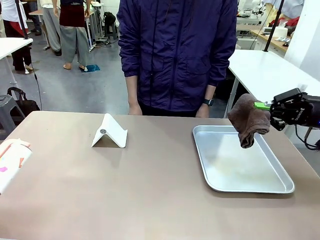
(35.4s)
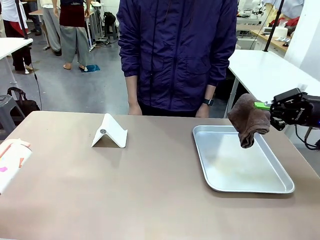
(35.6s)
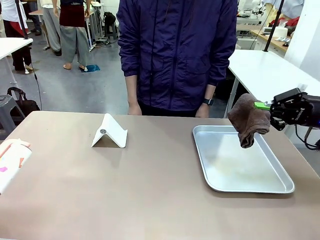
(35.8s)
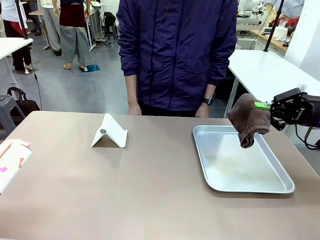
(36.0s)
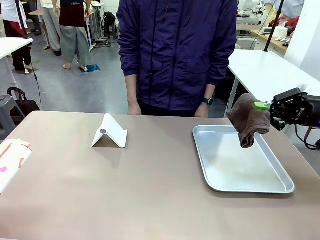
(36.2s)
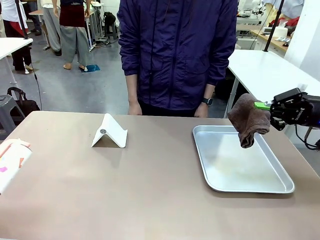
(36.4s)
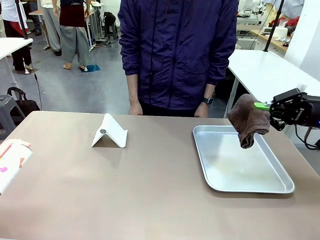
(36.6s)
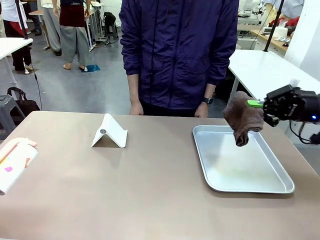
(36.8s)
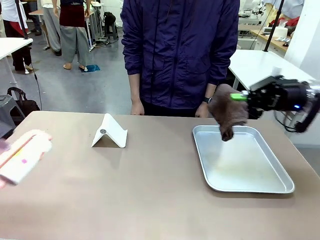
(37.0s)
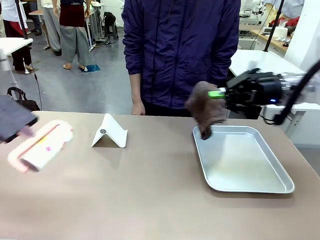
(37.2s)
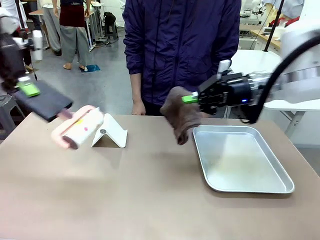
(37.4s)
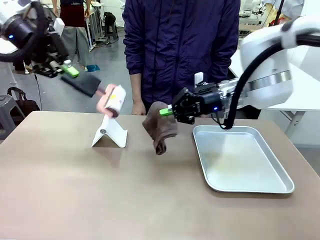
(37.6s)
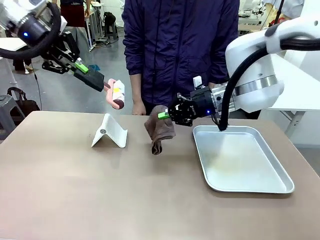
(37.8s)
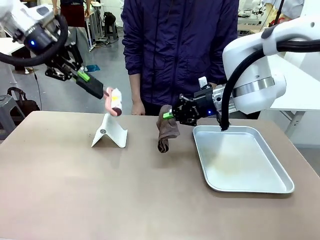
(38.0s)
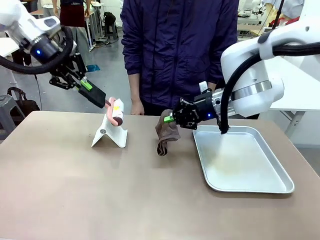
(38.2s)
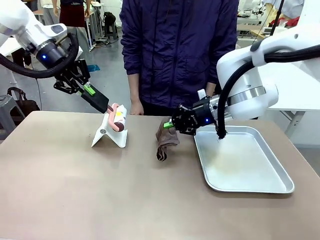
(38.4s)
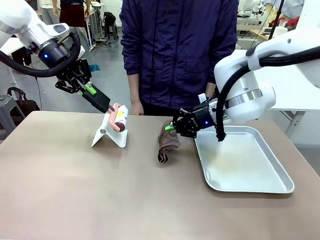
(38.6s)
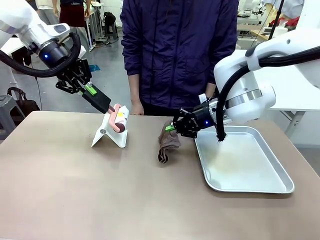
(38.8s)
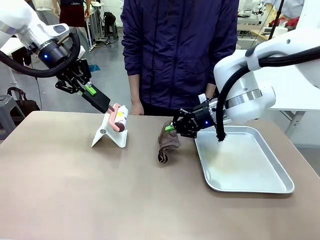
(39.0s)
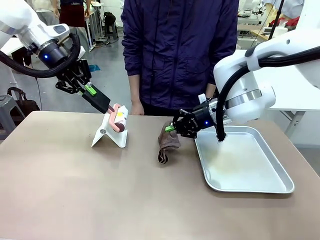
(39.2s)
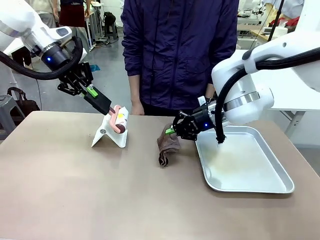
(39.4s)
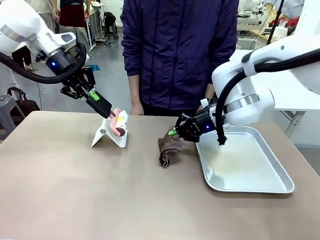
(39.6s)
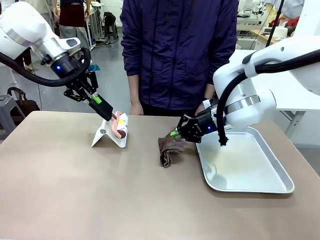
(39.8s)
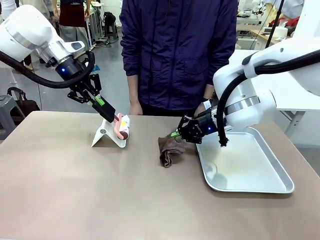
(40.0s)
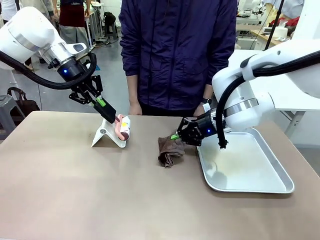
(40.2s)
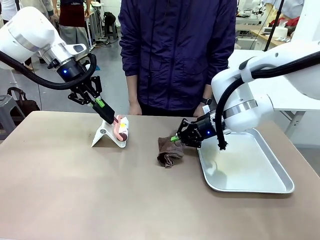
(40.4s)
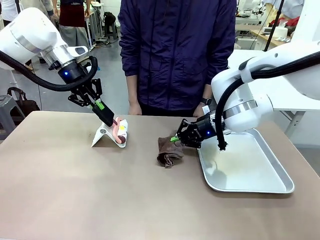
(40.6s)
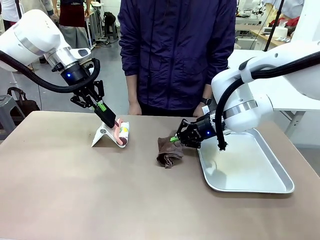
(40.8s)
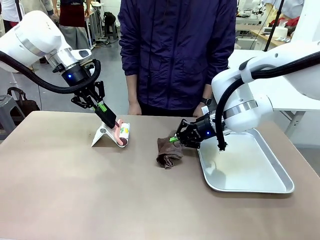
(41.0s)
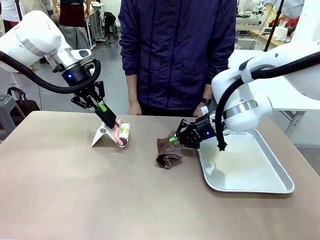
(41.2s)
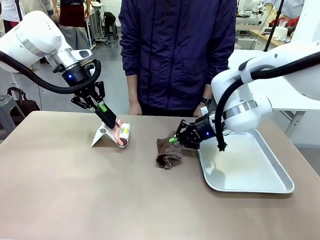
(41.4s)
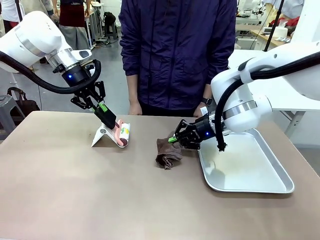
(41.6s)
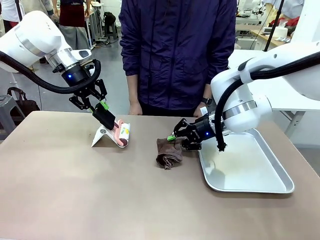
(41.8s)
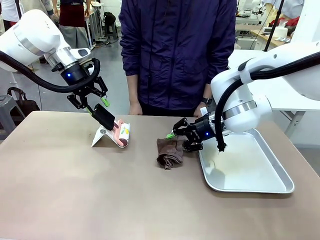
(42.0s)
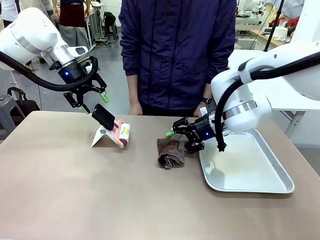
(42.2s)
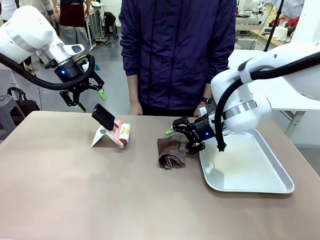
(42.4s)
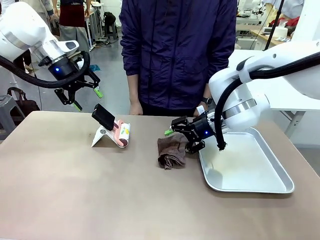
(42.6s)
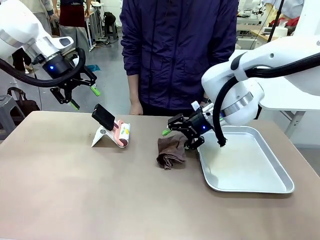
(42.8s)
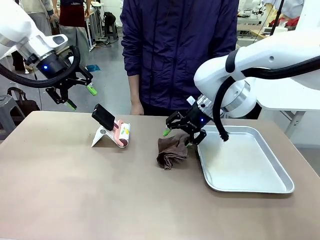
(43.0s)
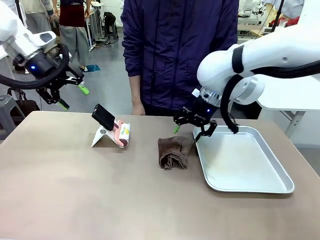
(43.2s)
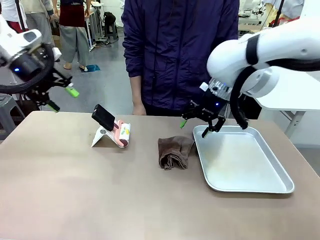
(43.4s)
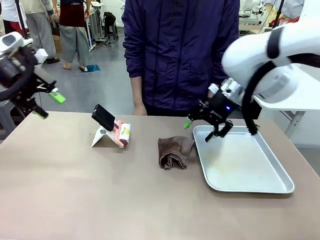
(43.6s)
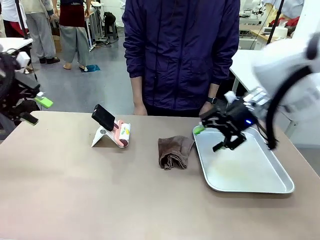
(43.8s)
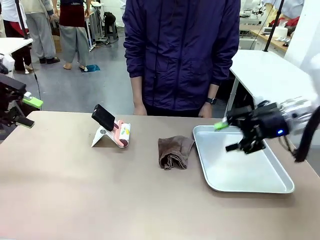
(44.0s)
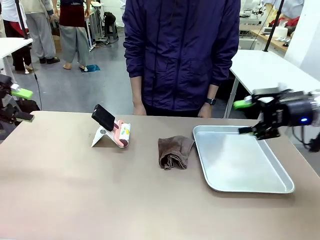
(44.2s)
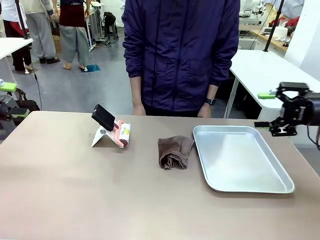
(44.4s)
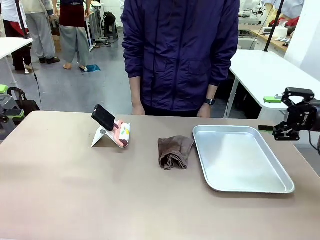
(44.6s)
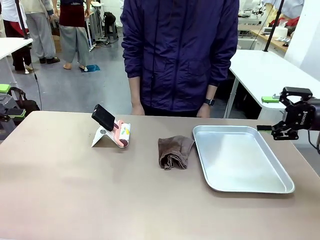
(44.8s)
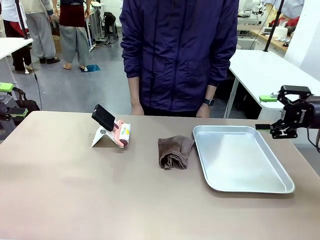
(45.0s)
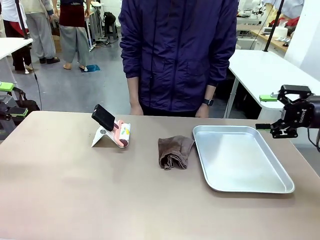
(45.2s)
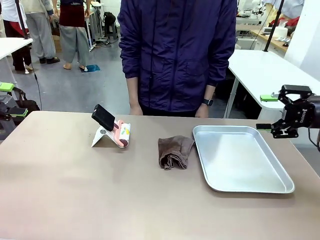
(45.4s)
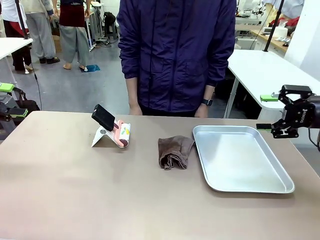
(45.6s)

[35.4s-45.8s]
Task: Clean the surface of the table.
Robot: Return the Lint Roller and towel to their original positions.

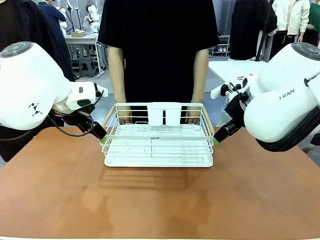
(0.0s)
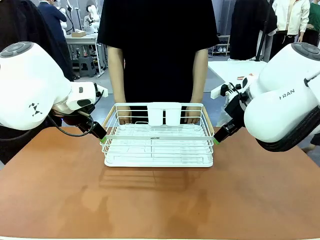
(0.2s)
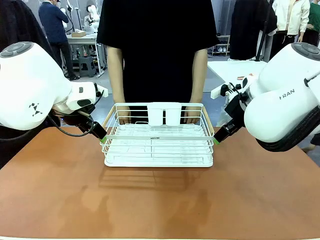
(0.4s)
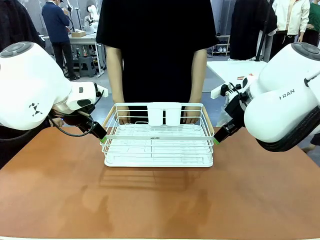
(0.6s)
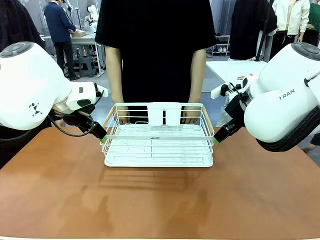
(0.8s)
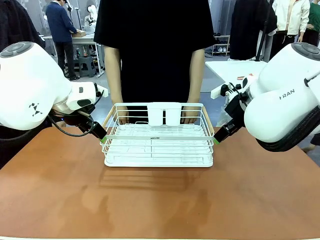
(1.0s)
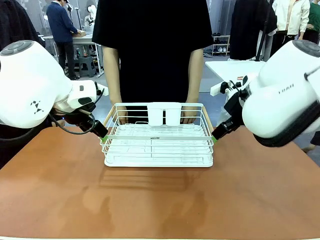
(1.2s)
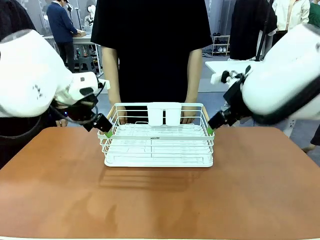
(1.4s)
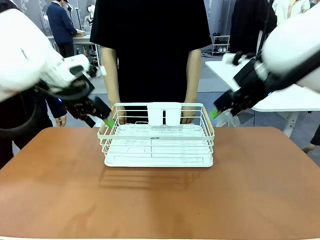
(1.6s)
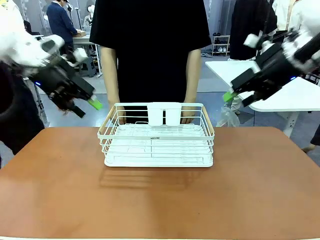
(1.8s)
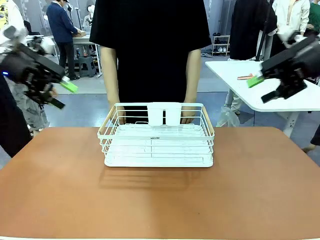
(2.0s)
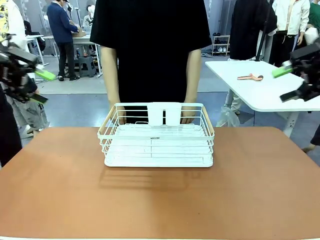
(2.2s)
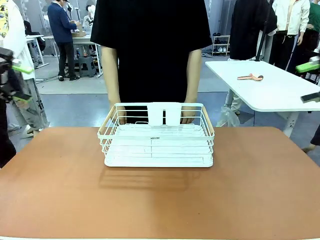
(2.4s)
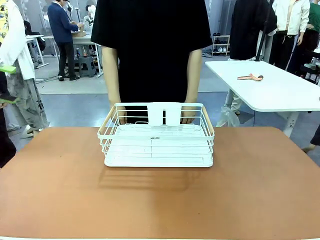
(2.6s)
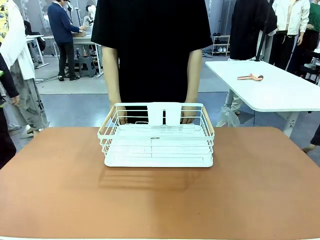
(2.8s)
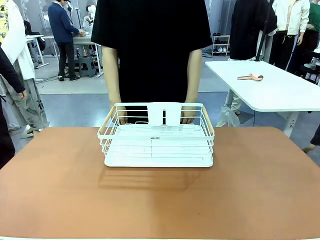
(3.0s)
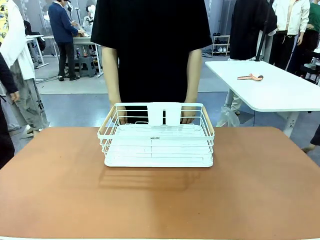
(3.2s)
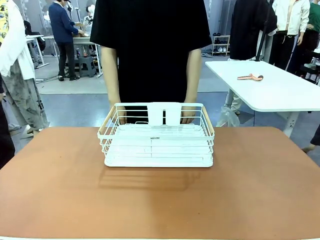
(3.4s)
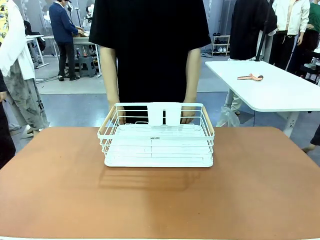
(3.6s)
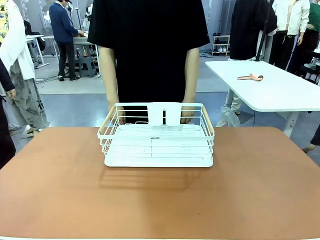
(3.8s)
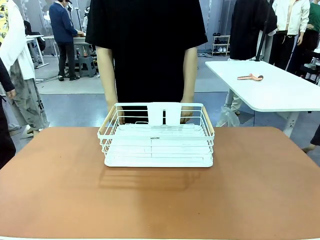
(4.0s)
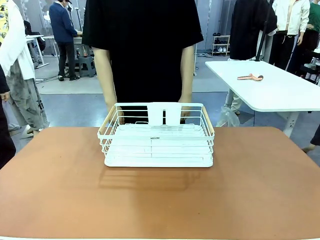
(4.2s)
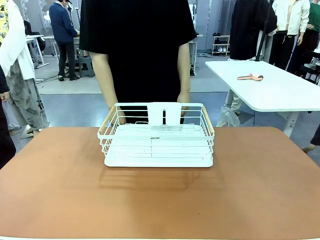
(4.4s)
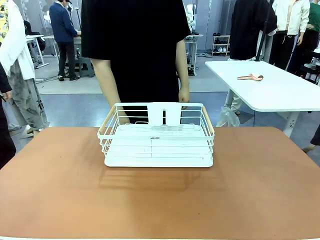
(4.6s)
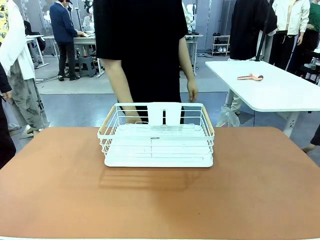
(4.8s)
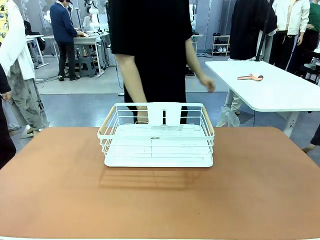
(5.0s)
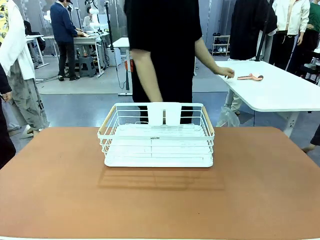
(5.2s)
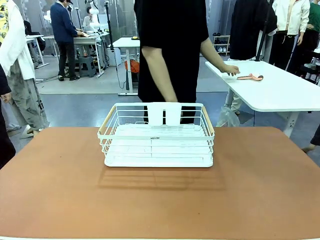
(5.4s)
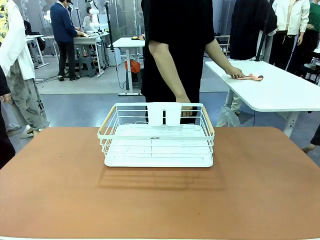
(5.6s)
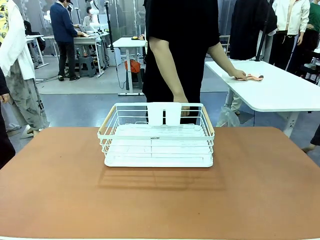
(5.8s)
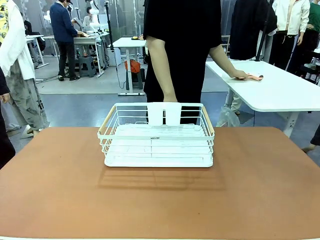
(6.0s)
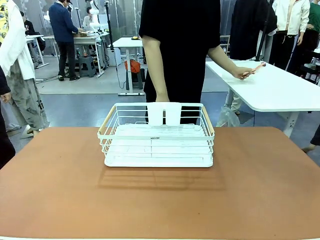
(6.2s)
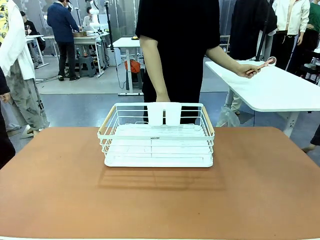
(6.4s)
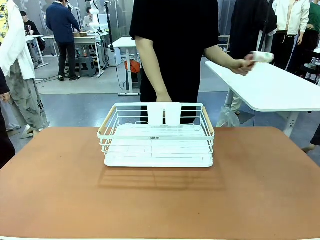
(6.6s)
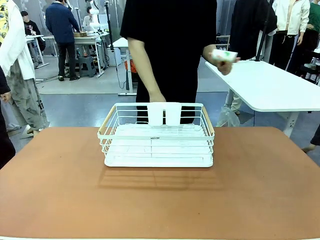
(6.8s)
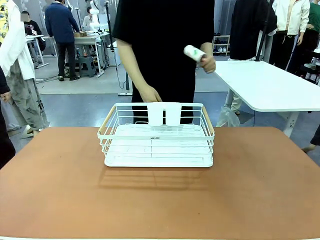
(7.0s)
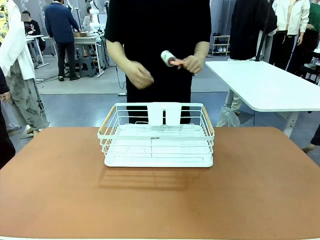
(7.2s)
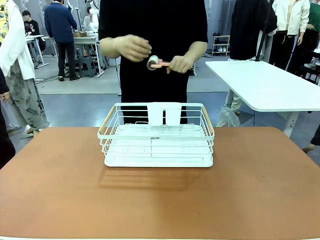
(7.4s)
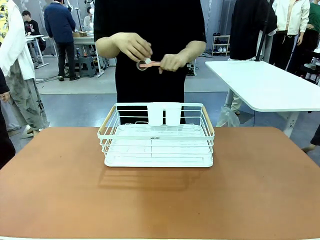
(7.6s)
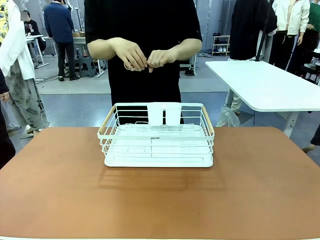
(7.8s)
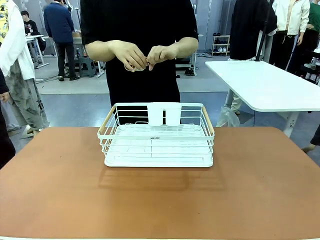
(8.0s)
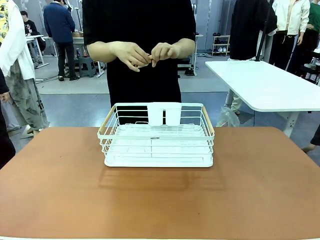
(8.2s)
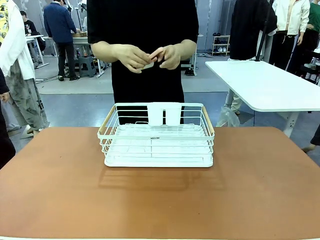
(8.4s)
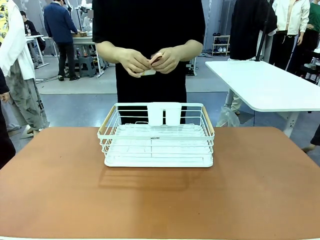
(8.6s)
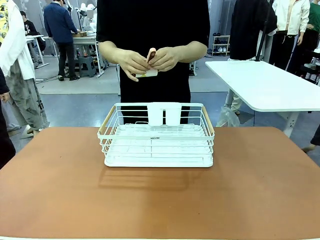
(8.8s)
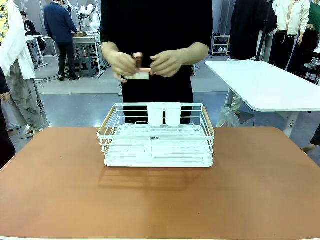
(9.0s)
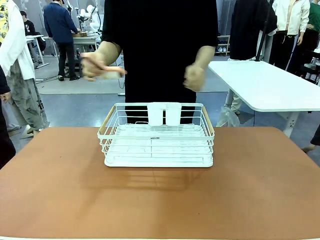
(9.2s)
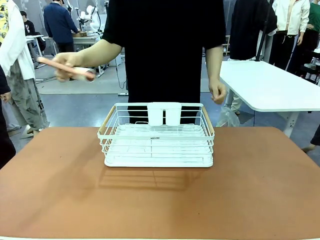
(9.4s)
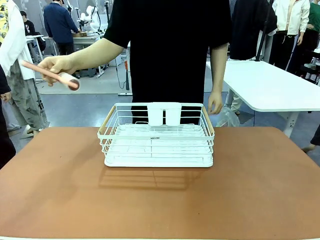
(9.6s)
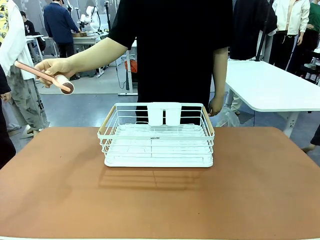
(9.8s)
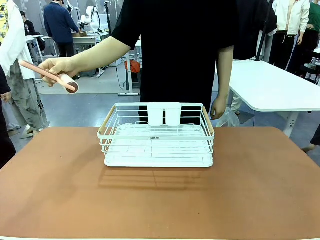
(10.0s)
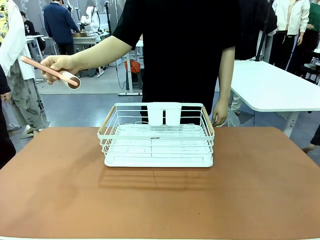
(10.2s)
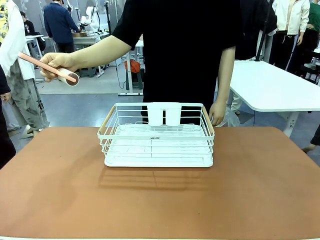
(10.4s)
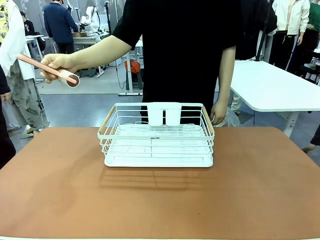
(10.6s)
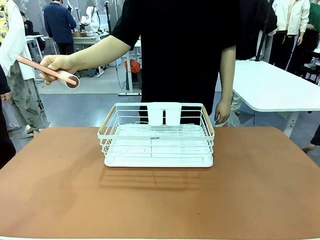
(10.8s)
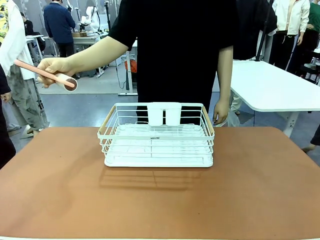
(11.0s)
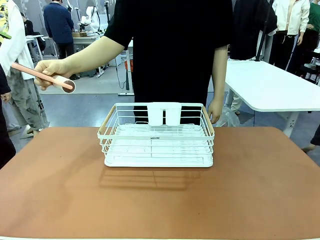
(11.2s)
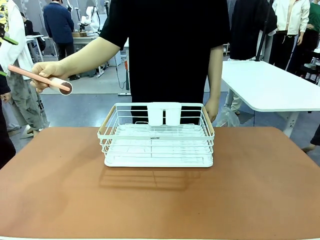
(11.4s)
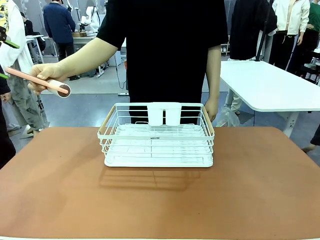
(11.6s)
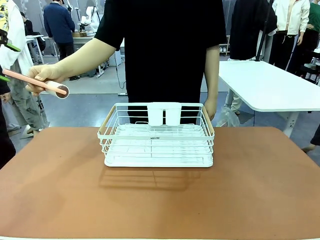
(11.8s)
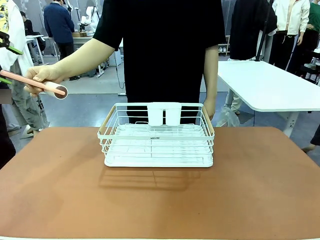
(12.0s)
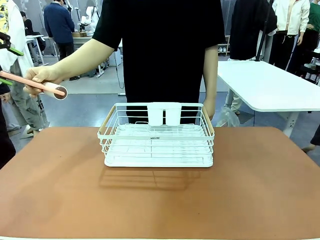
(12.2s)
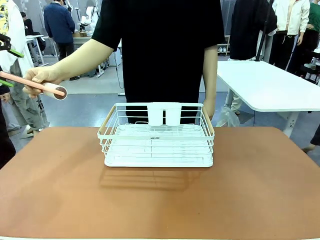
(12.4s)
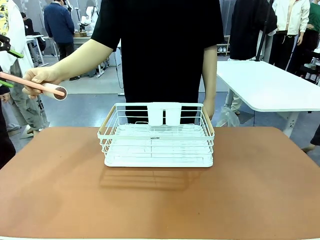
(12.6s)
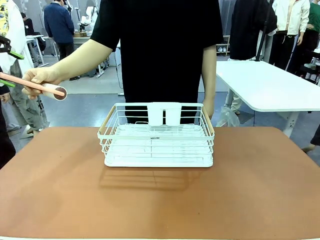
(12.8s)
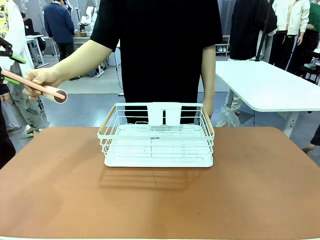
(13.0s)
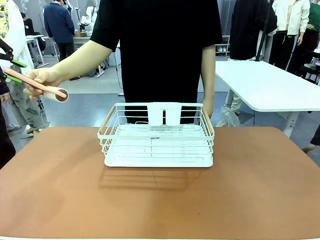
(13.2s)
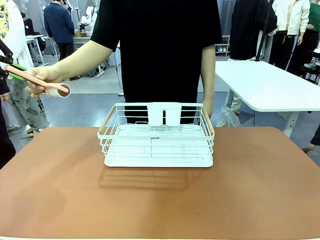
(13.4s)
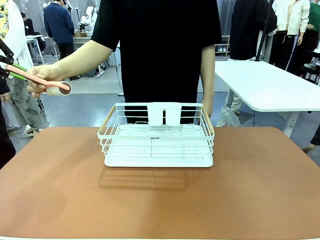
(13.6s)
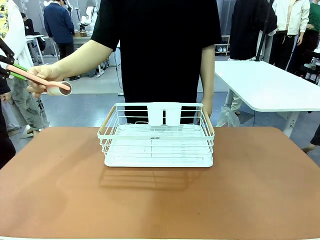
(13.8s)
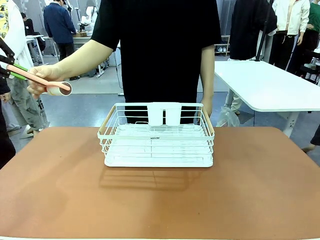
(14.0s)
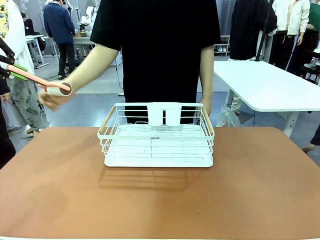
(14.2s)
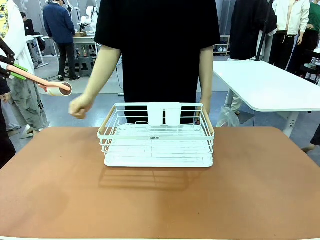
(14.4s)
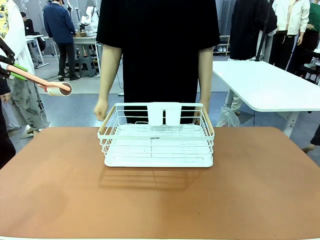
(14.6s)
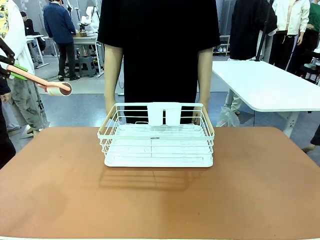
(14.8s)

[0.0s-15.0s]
Task: Clean the table.
Robot: Pick up the Lint Roller when the human hands it over.
Person: Hand the Lint Roller to the robot so it can easily pick it up. Lift the Dish drying rack.
